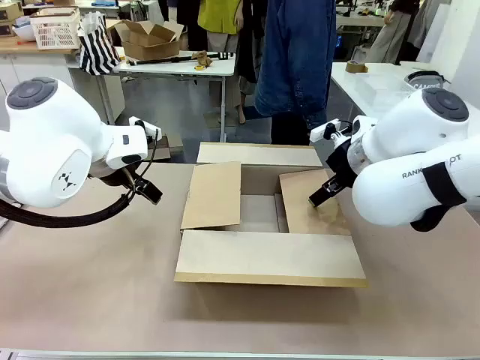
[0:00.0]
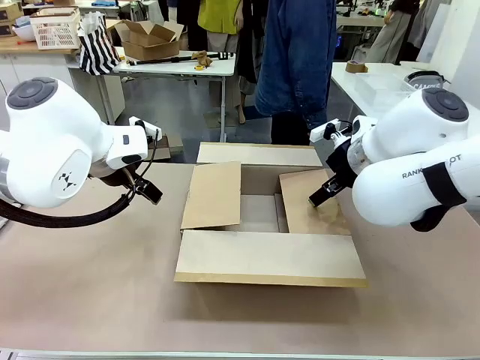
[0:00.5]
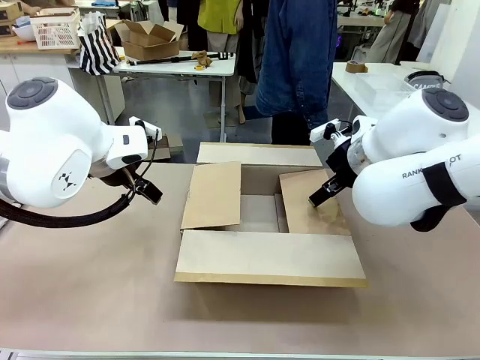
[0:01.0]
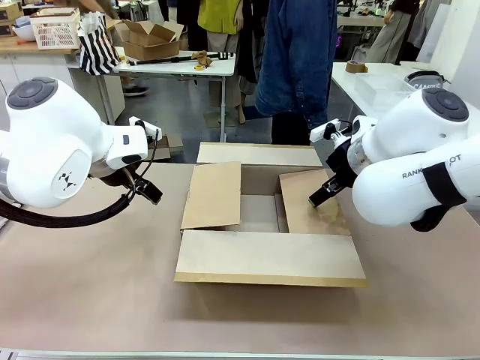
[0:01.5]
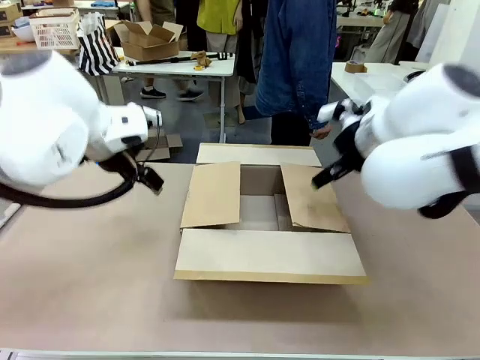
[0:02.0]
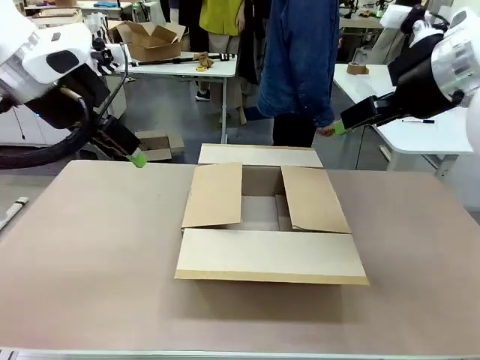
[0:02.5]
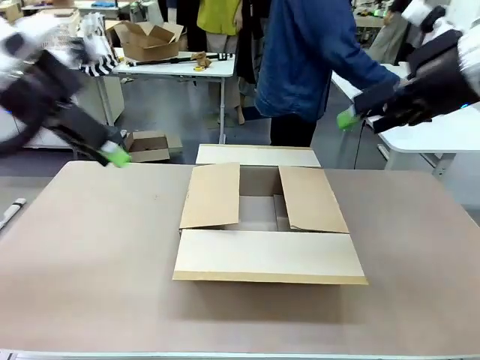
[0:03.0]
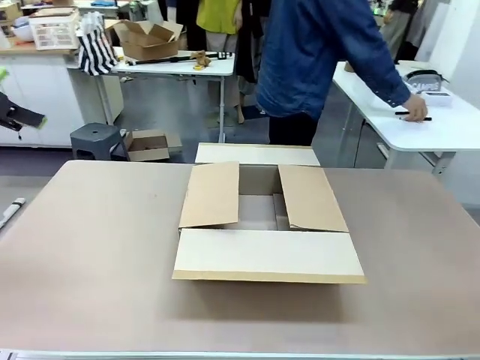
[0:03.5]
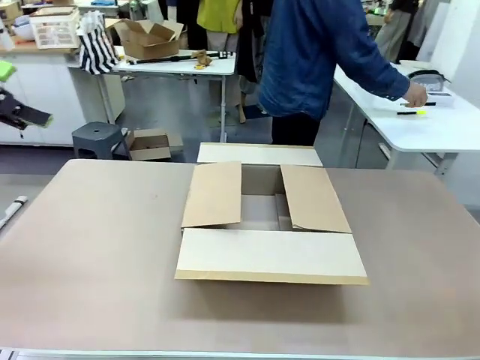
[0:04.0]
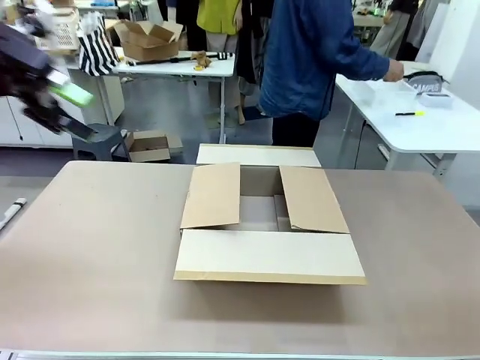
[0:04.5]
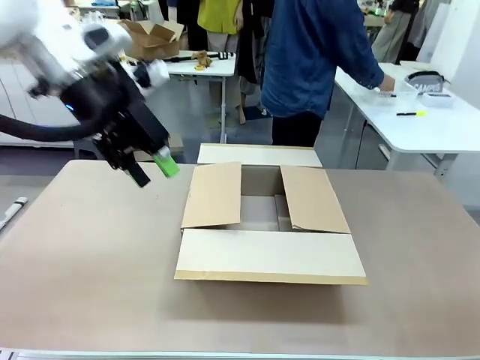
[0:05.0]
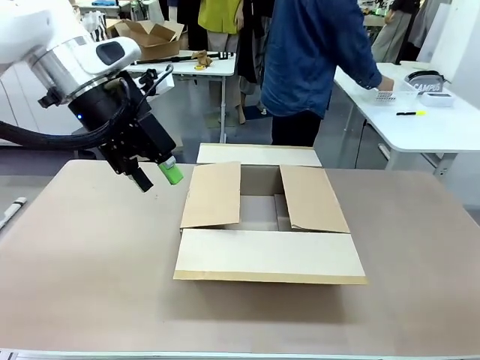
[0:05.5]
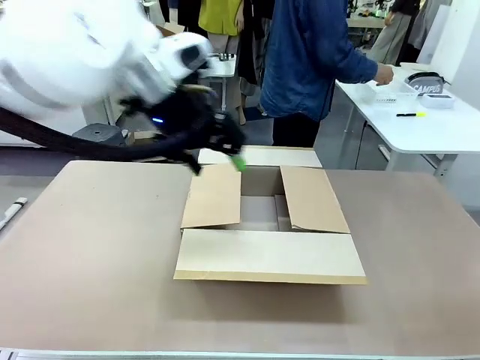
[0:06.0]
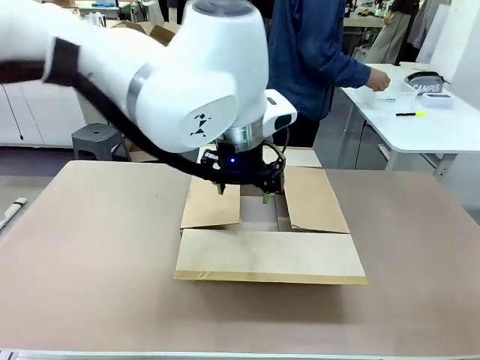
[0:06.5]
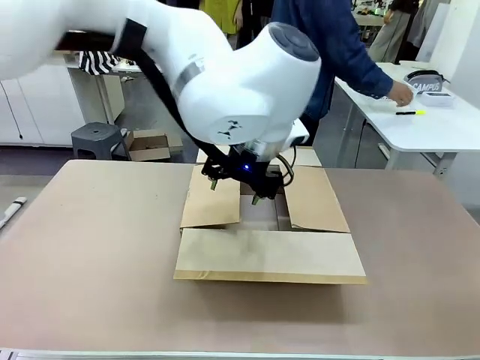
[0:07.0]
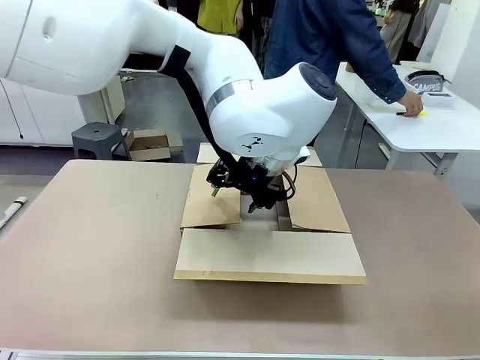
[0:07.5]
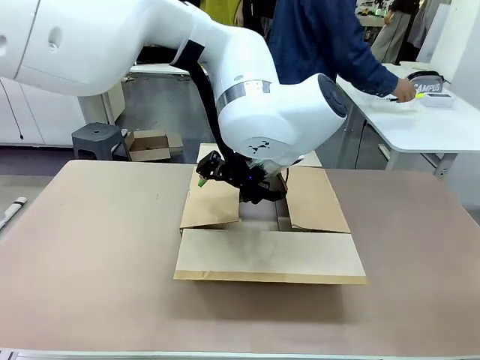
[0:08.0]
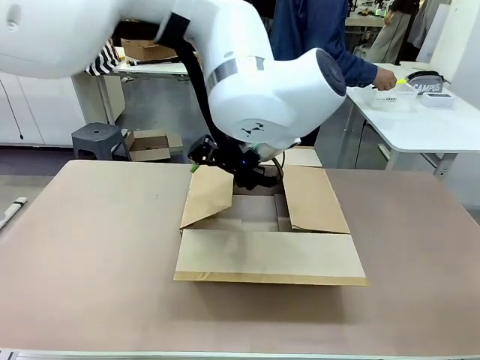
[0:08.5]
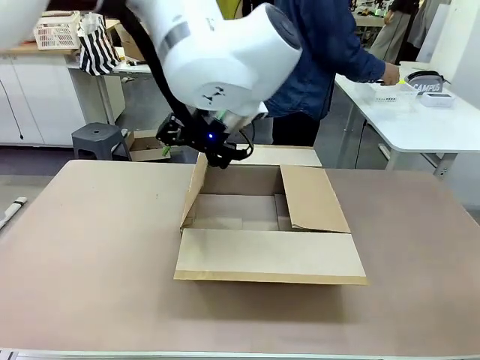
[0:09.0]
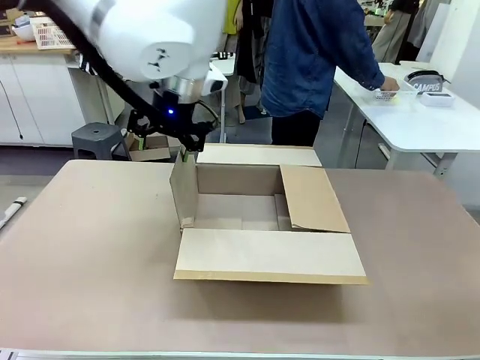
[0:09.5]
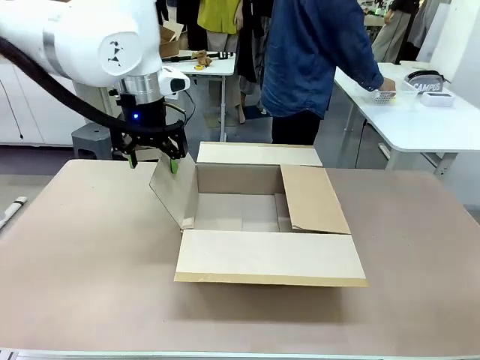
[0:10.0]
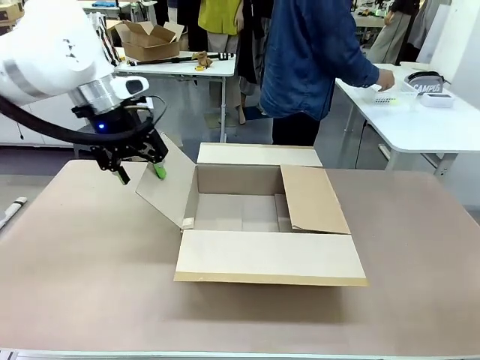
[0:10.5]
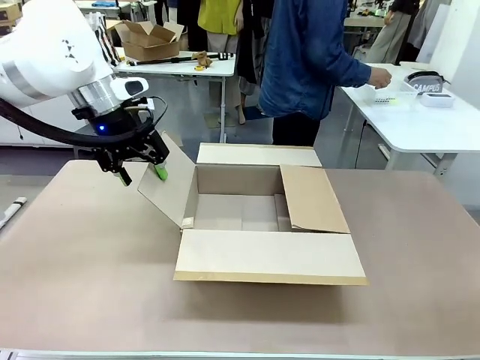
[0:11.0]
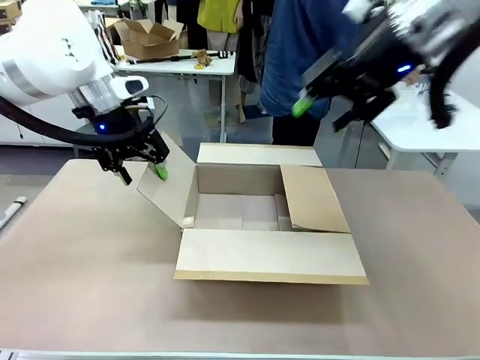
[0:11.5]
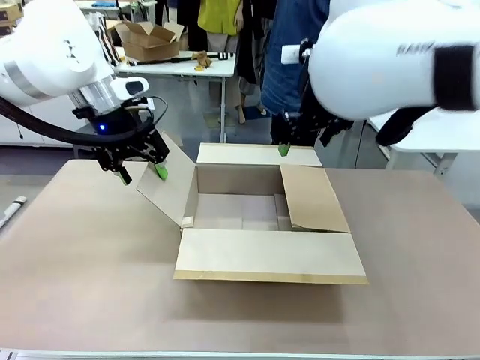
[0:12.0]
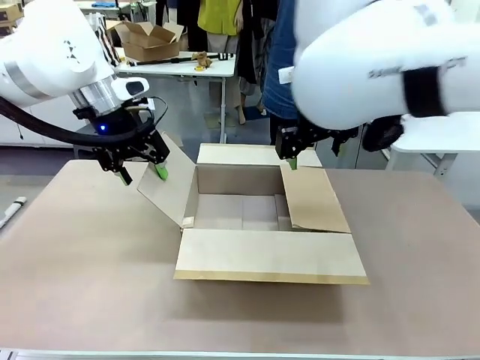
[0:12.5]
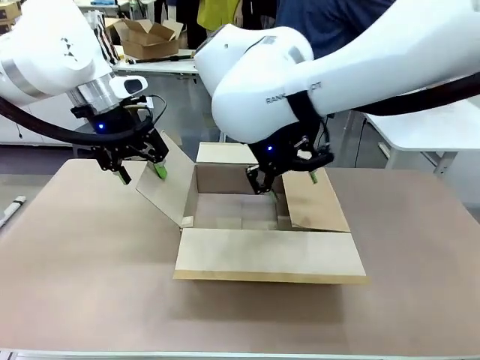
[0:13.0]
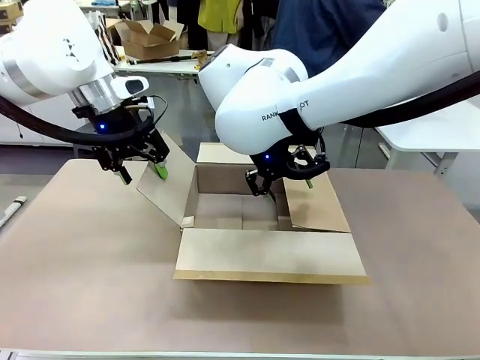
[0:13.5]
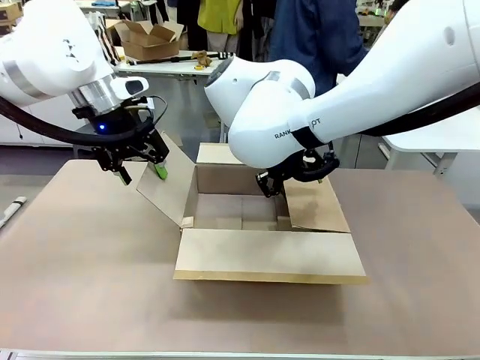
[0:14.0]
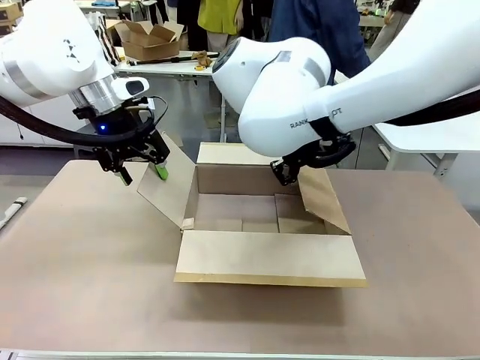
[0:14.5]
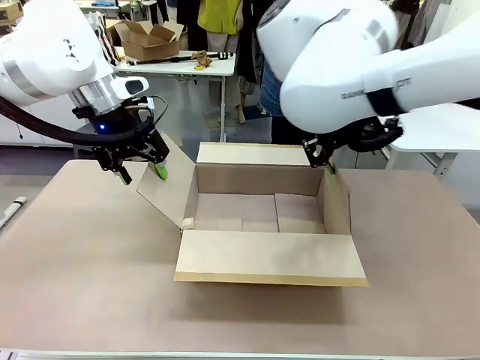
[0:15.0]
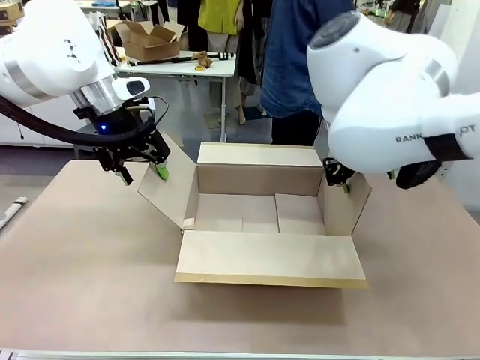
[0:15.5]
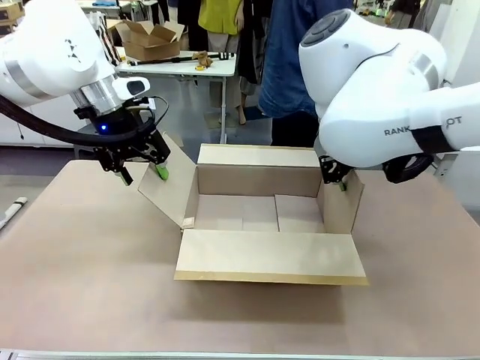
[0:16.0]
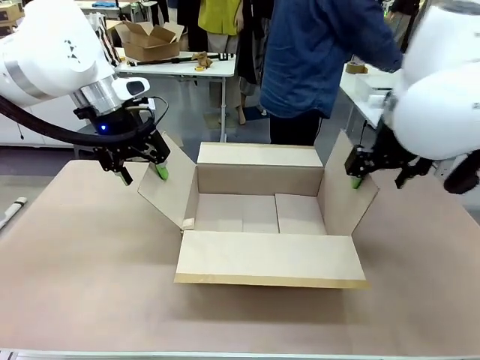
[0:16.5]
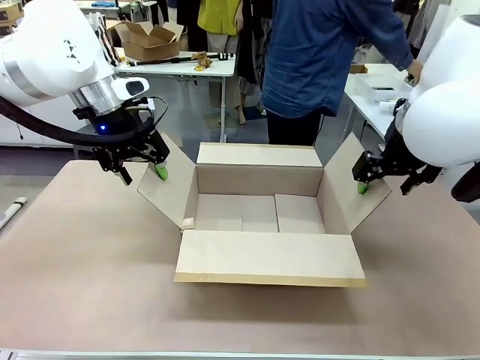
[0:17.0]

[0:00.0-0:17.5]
Task: Pack the gift set into the box.
Robot: Place both hands on the side flaps of the Package Box and spread them outward.
Person: The human places all items except the paper tape into the organizing basket.

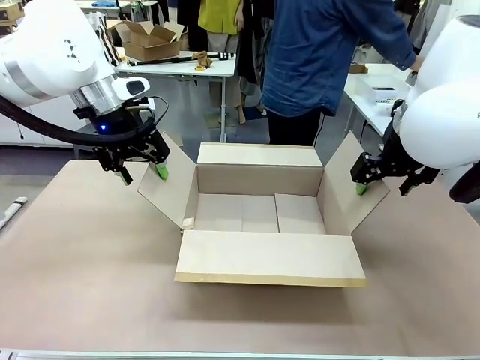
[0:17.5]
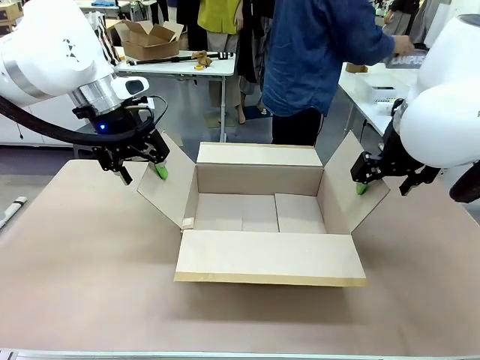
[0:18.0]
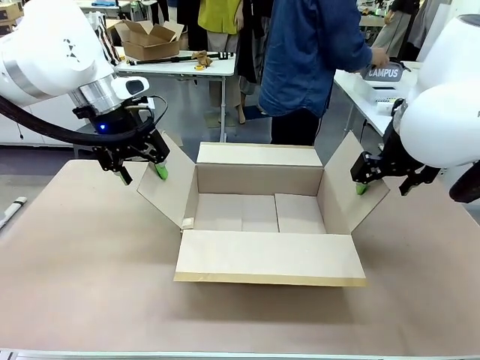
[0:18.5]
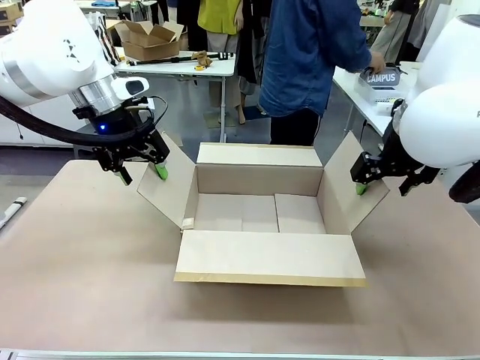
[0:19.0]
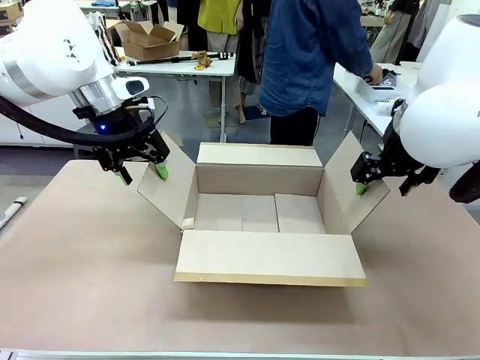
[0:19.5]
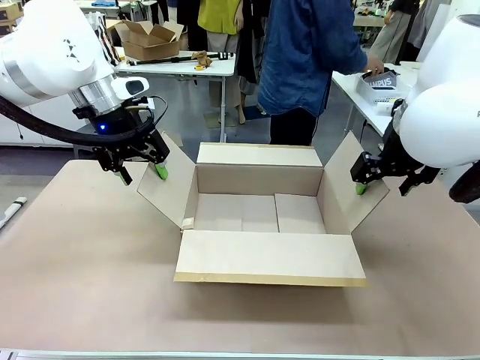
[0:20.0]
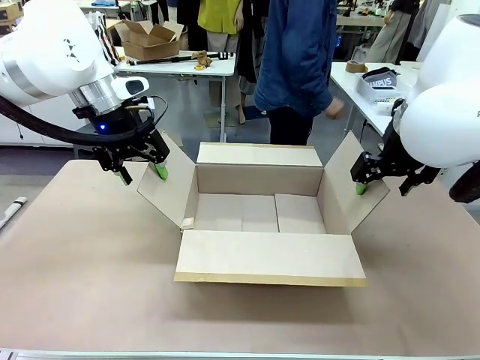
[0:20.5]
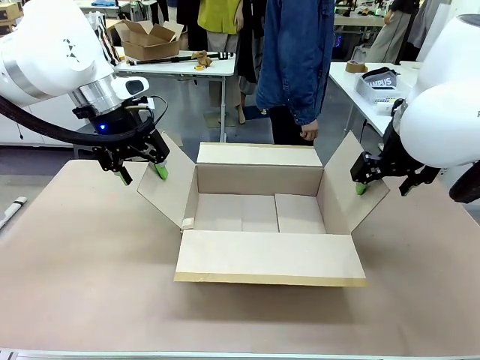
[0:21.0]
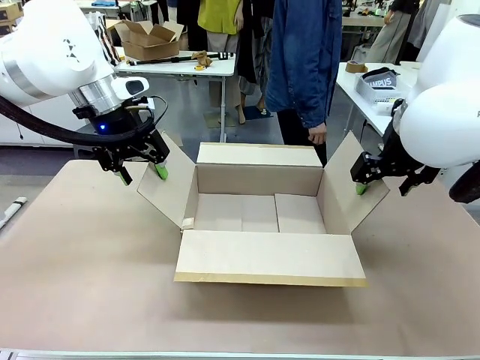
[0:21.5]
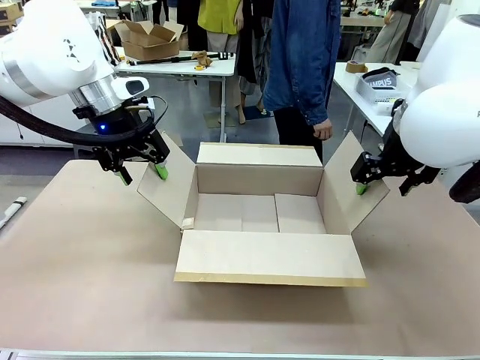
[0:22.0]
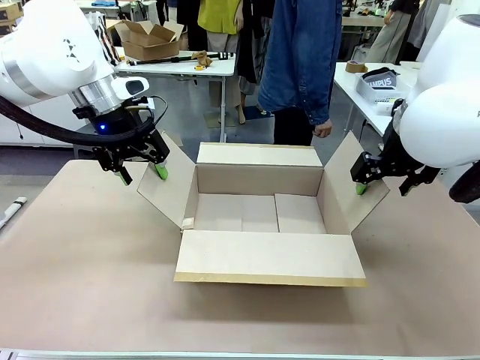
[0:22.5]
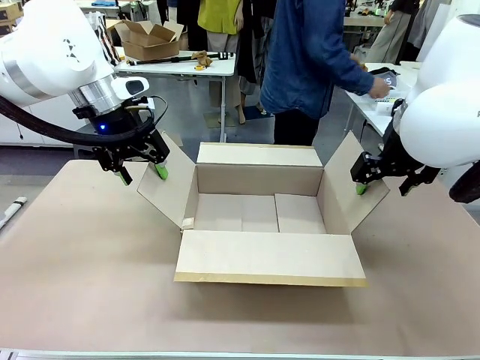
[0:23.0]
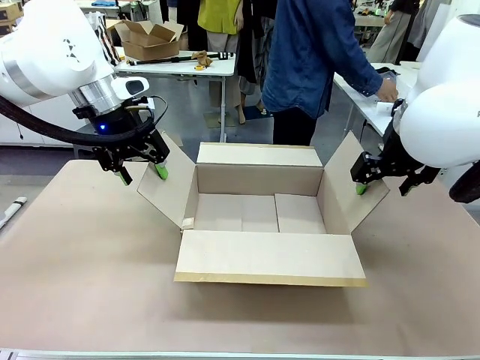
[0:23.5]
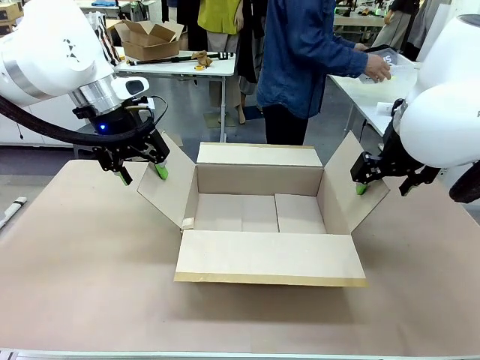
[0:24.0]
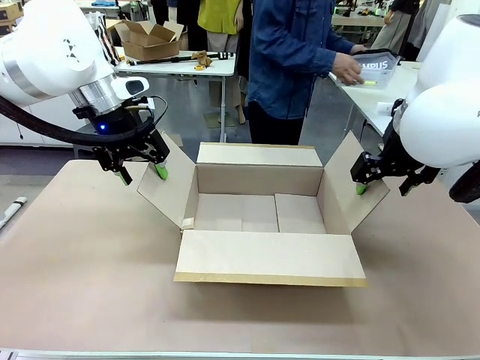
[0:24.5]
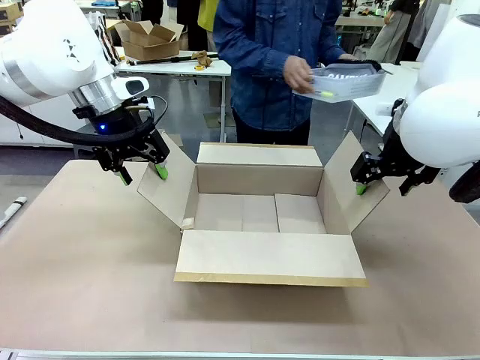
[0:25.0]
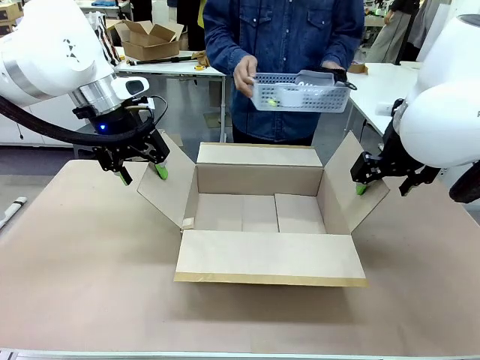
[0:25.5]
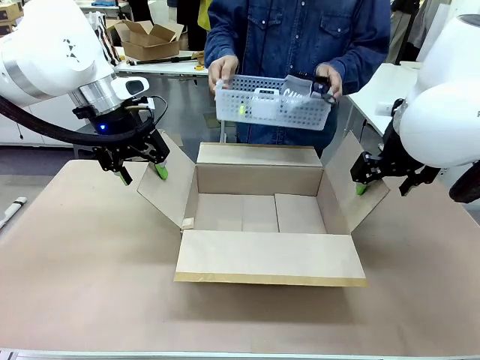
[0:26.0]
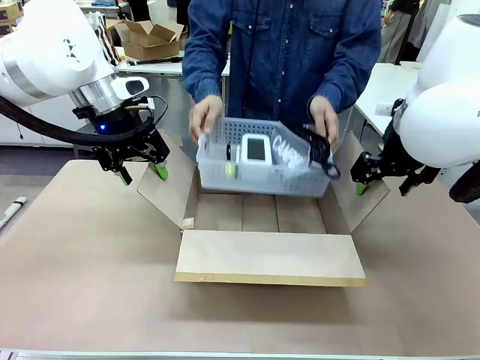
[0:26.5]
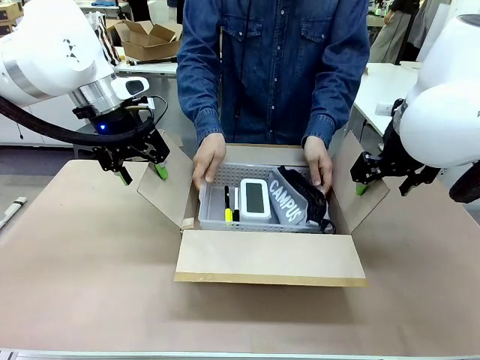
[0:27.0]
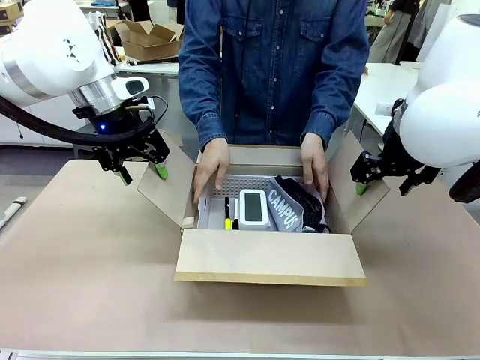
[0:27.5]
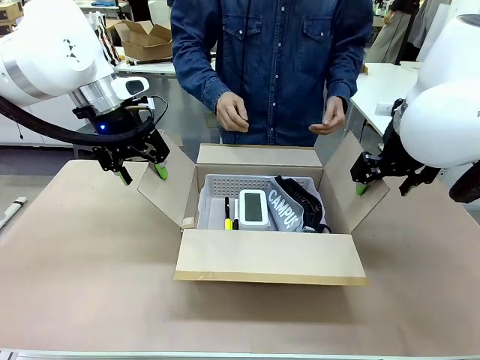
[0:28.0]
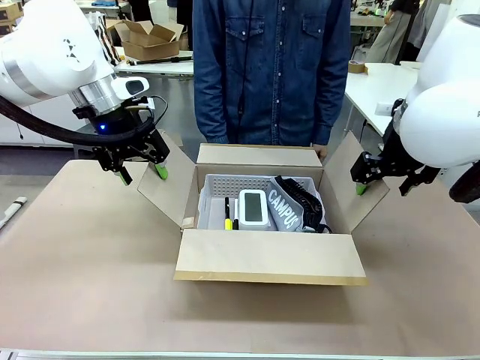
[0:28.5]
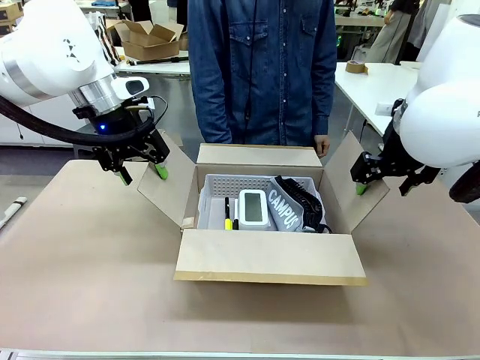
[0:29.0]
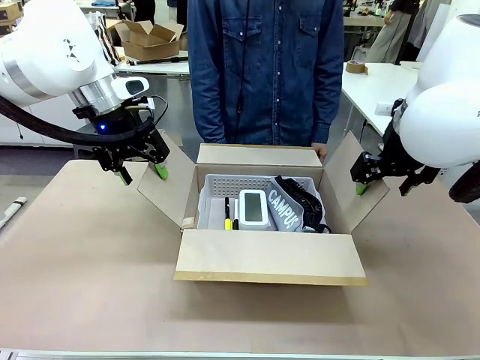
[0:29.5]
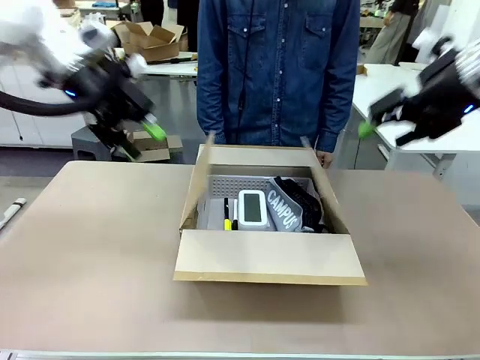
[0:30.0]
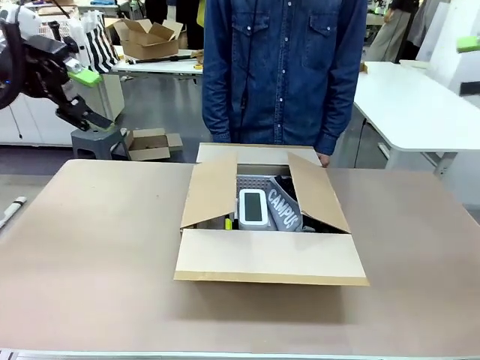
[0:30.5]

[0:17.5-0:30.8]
Robot: Lift both hands away from the flaps of the Package Box.
Person: The human picks up the organizing basket and places the organizing basket into the package box on the robot table.
